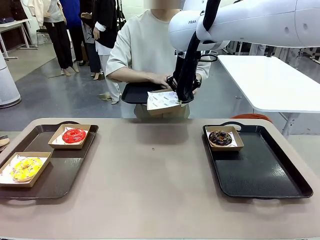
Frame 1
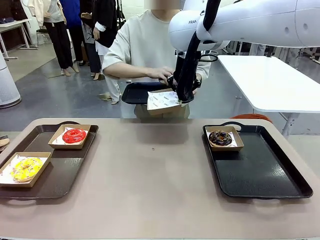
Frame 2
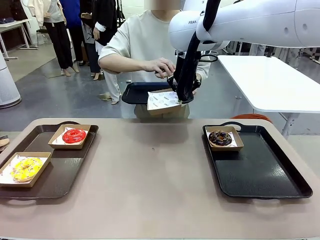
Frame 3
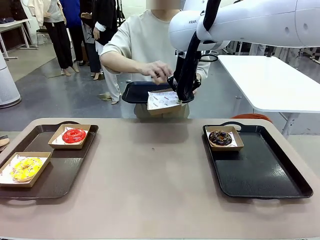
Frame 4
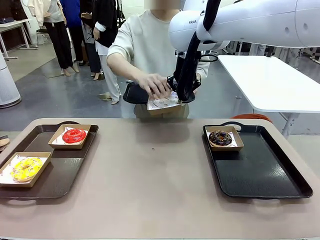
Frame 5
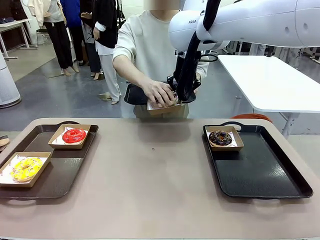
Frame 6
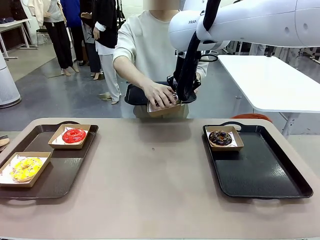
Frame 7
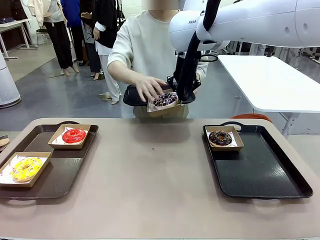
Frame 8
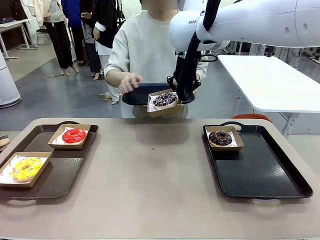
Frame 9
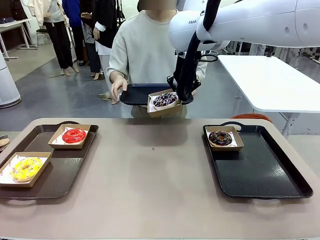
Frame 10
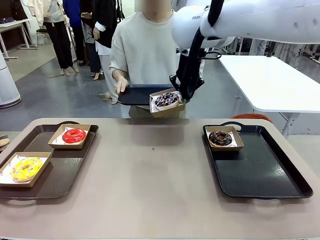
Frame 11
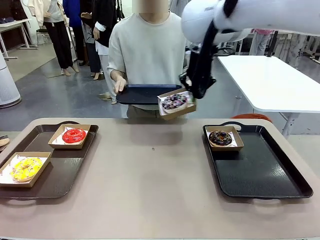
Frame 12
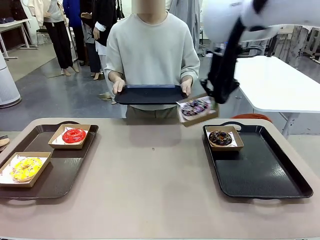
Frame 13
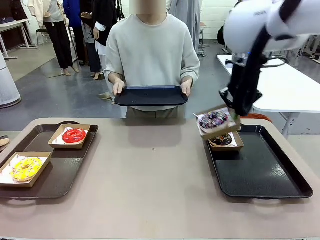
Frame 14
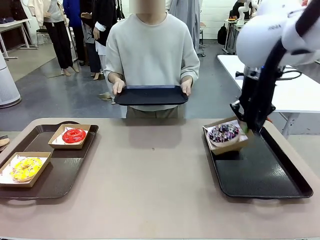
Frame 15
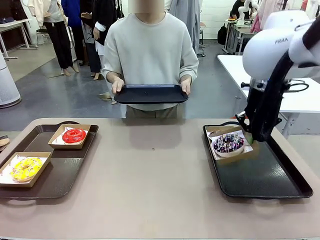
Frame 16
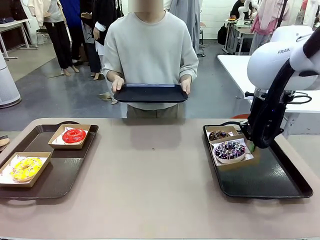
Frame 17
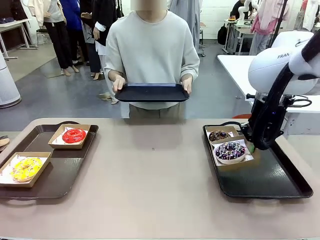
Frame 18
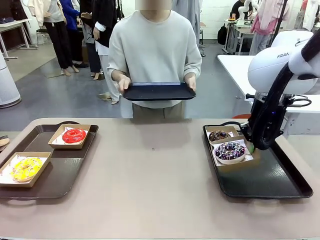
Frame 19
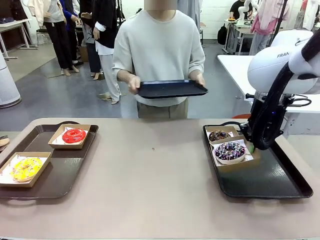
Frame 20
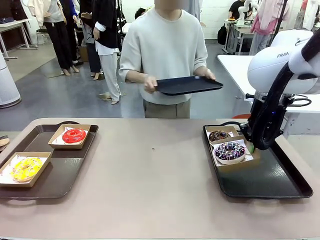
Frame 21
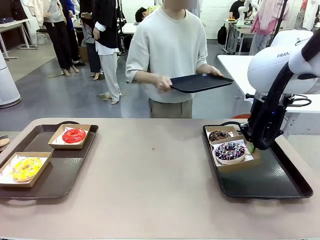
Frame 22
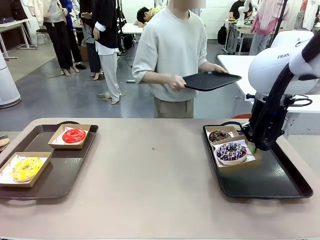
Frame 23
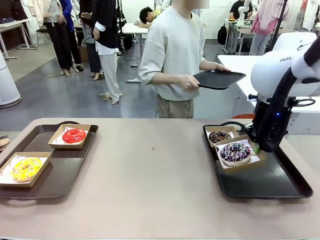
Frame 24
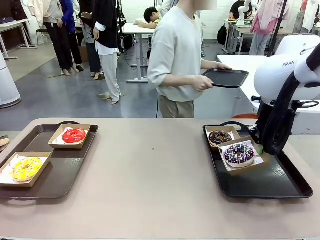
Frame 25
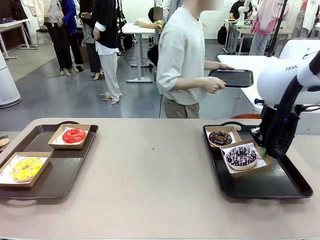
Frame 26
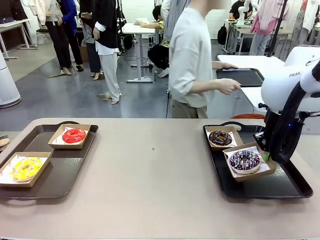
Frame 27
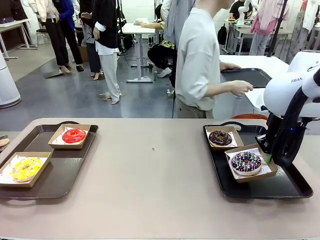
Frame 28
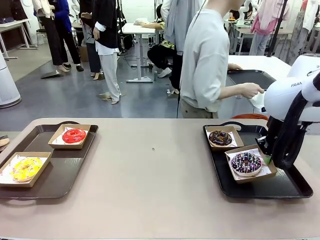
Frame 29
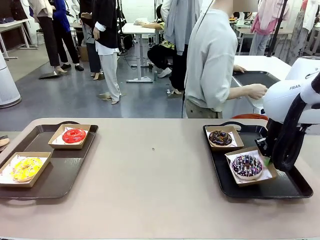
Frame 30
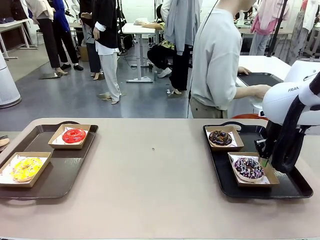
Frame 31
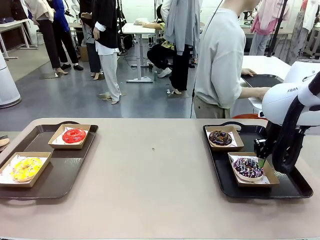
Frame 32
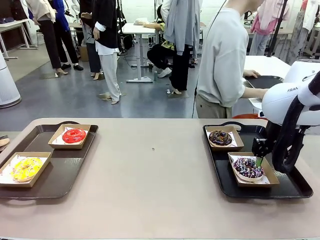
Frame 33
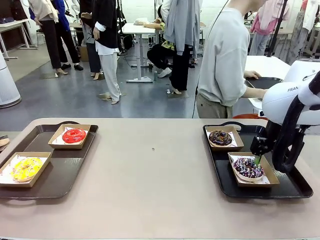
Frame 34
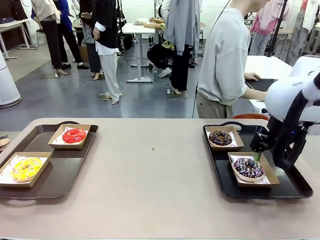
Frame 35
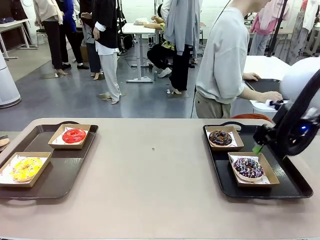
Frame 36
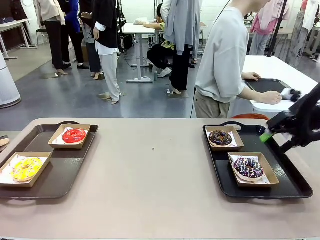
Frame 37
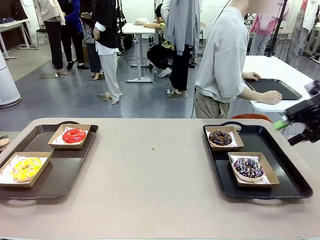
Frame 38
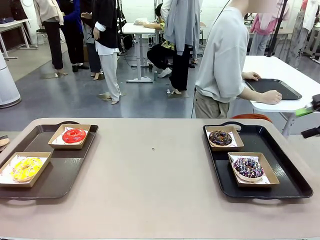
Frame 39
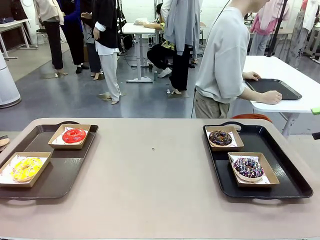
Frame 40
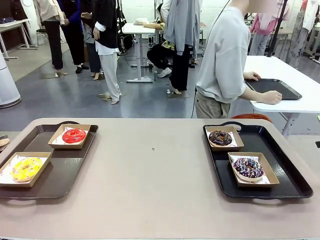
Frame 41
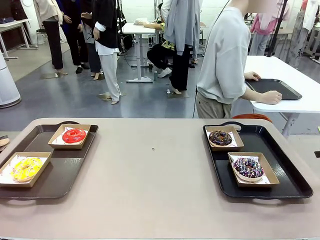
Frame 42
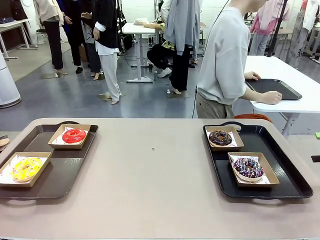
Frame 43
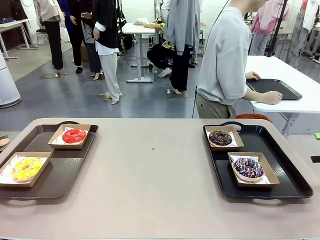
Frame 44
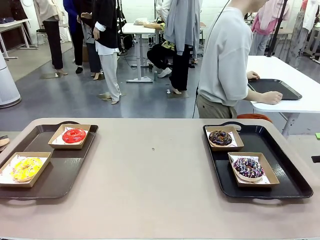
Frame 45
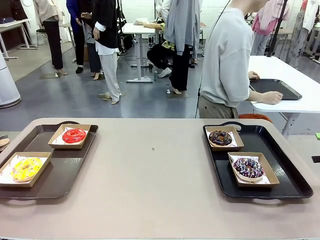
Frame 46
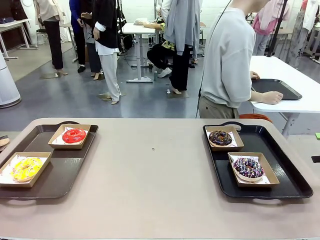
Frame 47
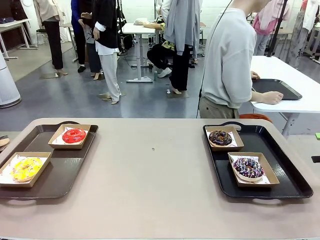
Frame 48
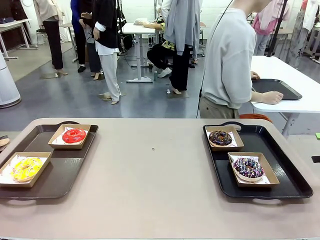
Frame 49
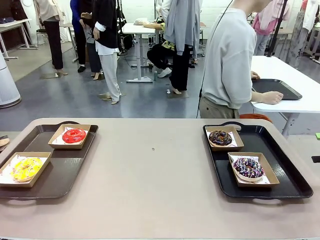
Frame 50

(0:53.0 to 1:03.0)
Task: Individually package the donuts and arrange them on the tray.
Robot: Place the picked Paper togo box on the Handle tray.
Person: Place the tray down in the middle of the human table.

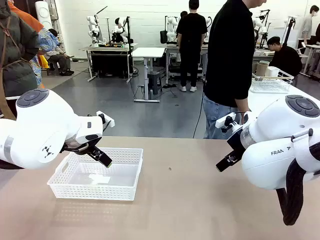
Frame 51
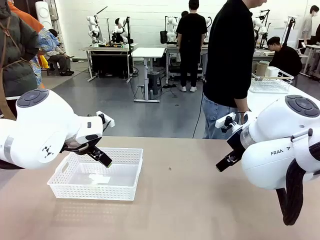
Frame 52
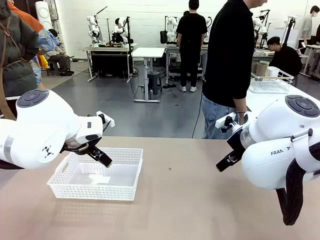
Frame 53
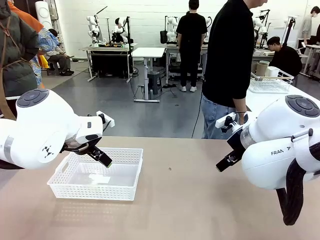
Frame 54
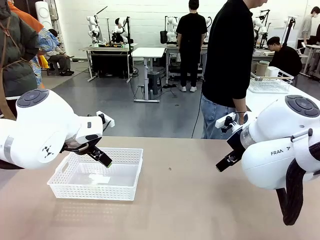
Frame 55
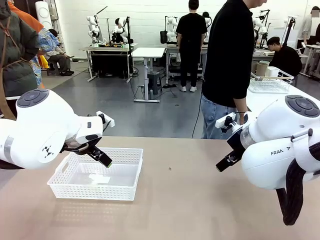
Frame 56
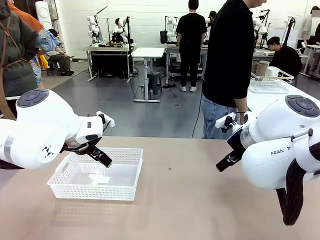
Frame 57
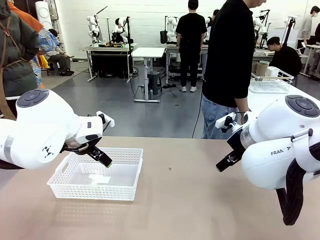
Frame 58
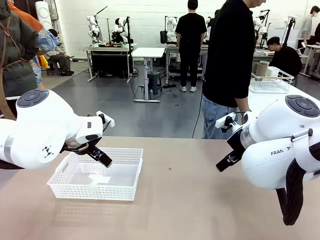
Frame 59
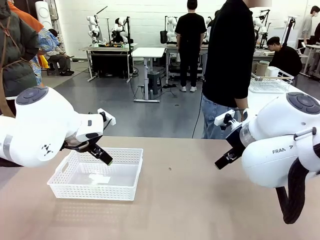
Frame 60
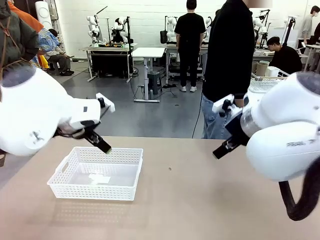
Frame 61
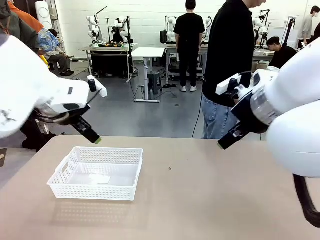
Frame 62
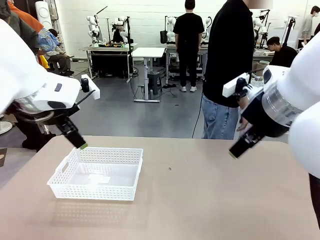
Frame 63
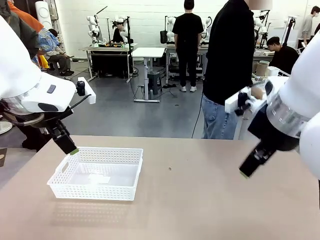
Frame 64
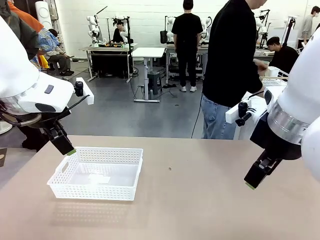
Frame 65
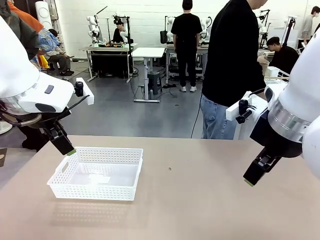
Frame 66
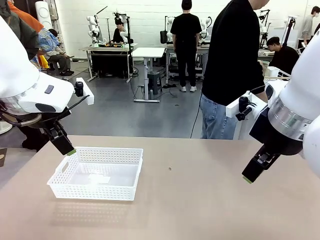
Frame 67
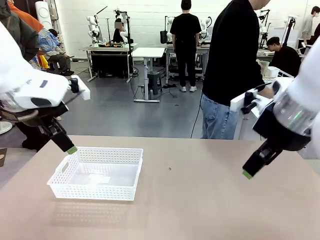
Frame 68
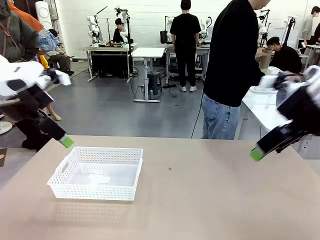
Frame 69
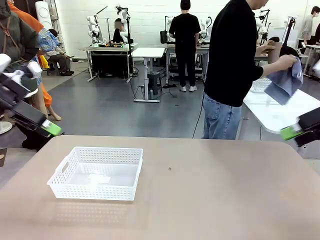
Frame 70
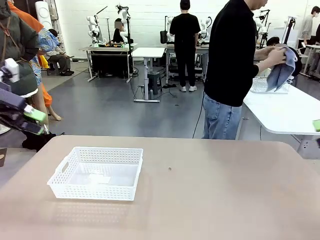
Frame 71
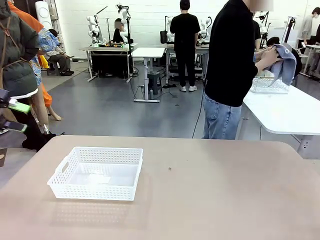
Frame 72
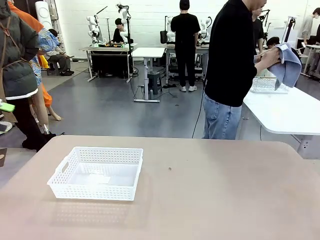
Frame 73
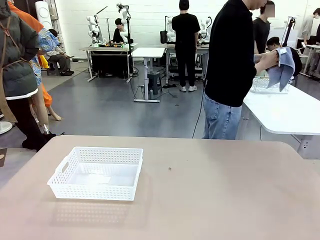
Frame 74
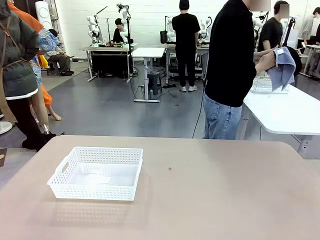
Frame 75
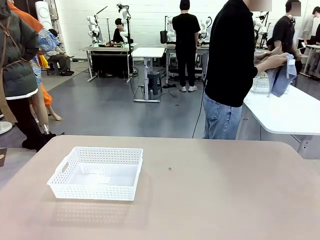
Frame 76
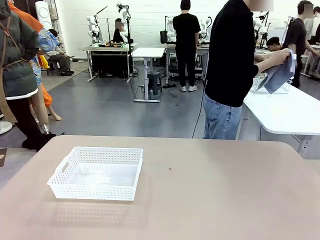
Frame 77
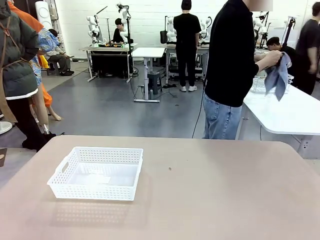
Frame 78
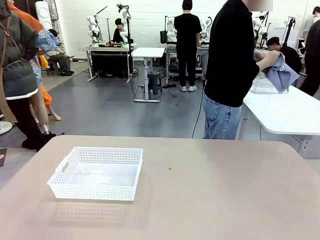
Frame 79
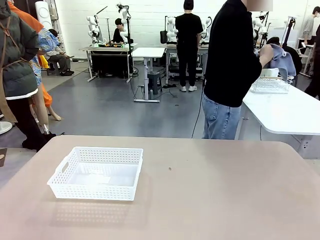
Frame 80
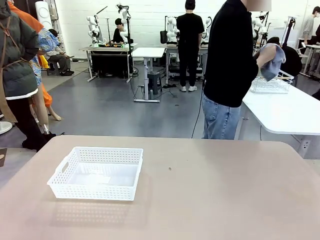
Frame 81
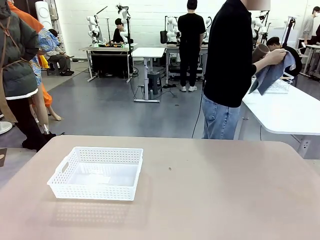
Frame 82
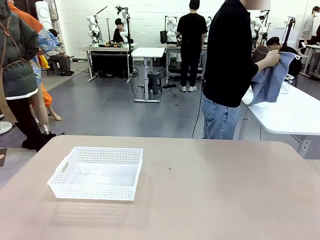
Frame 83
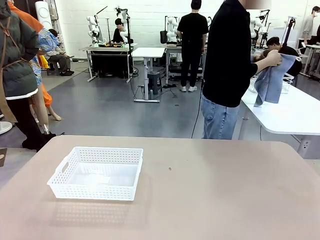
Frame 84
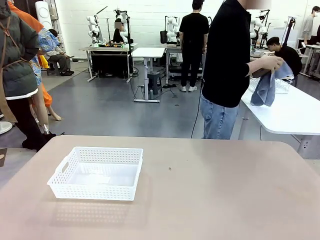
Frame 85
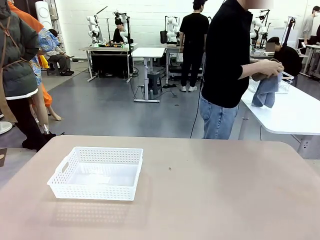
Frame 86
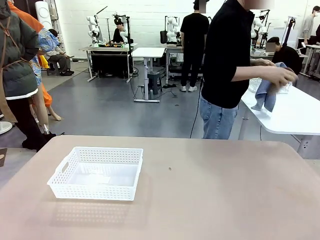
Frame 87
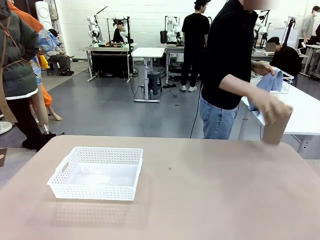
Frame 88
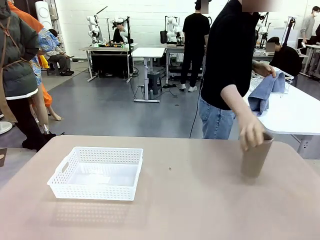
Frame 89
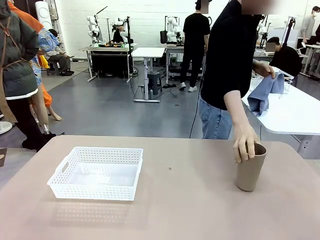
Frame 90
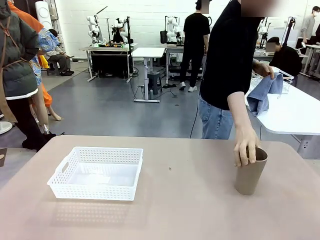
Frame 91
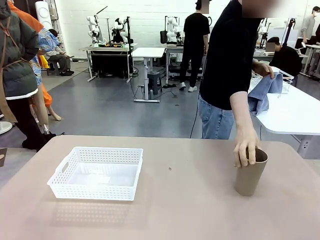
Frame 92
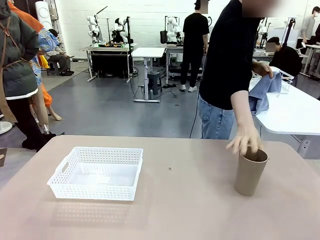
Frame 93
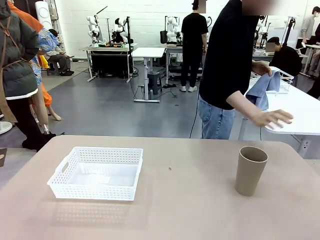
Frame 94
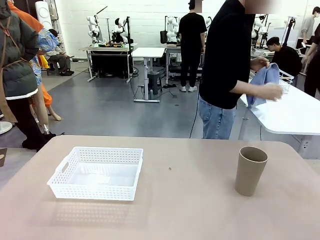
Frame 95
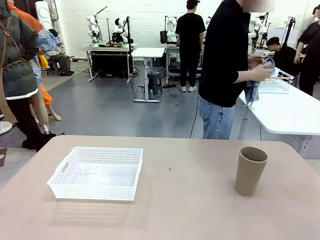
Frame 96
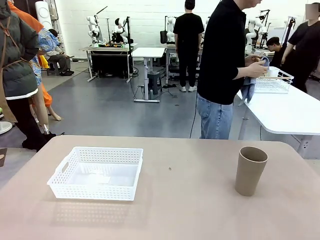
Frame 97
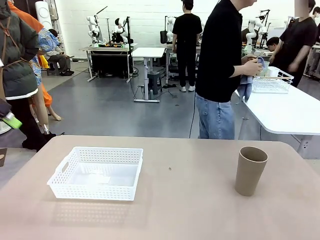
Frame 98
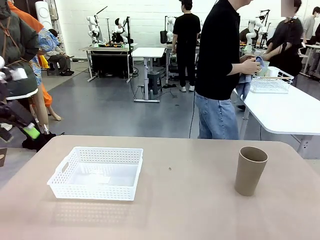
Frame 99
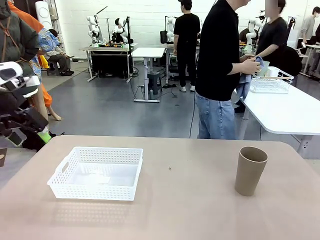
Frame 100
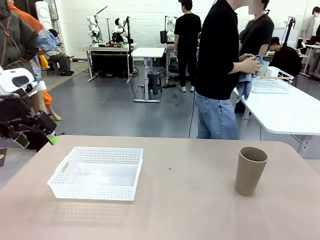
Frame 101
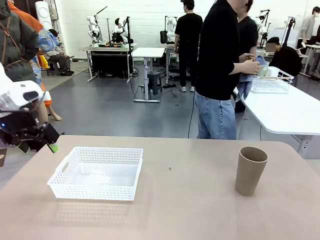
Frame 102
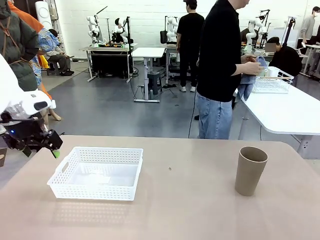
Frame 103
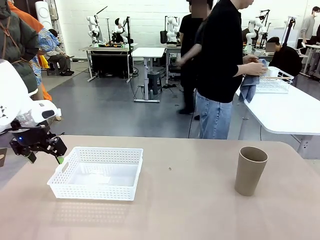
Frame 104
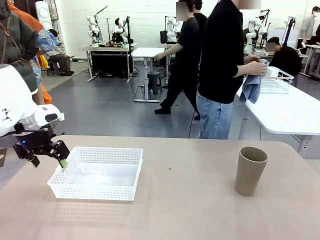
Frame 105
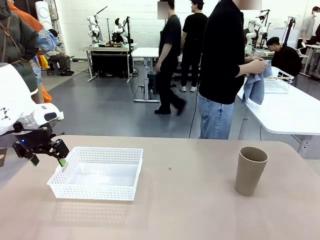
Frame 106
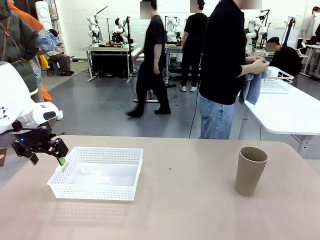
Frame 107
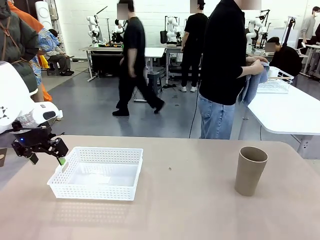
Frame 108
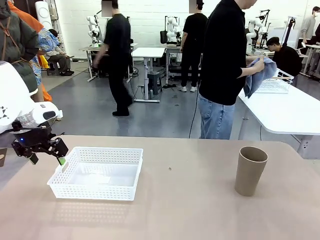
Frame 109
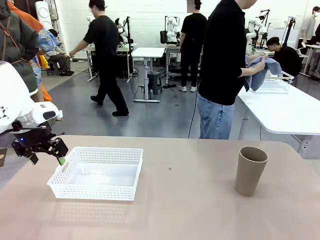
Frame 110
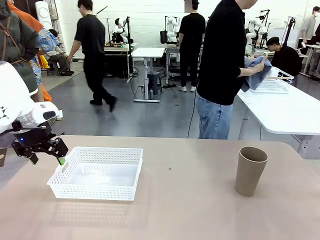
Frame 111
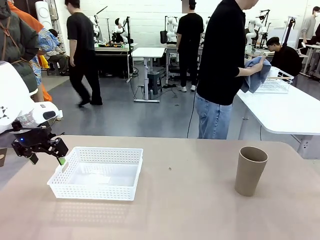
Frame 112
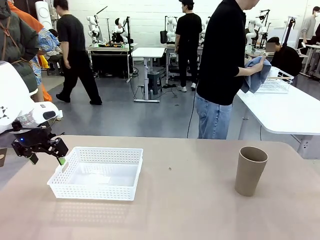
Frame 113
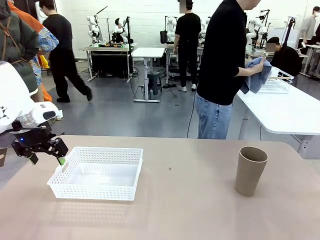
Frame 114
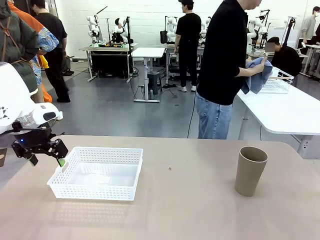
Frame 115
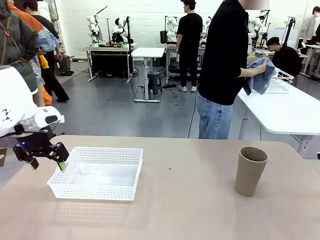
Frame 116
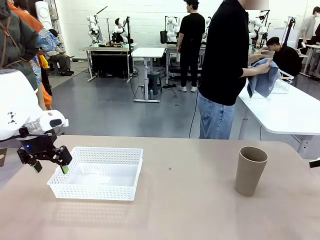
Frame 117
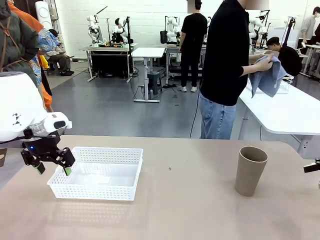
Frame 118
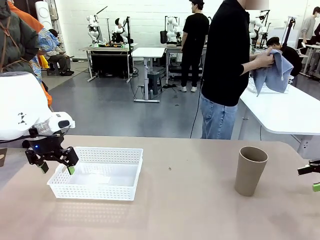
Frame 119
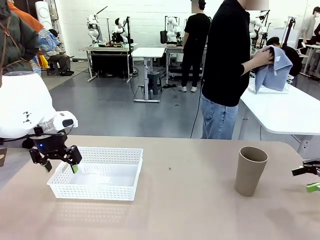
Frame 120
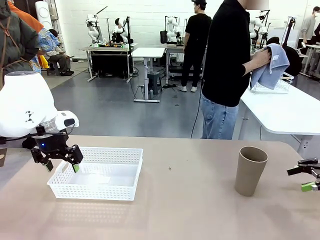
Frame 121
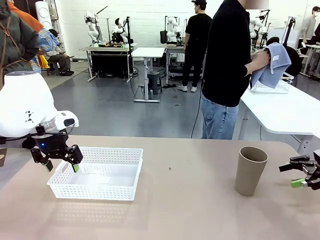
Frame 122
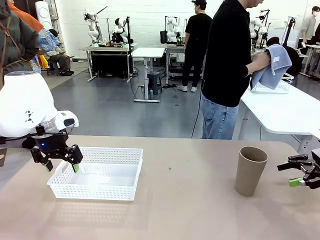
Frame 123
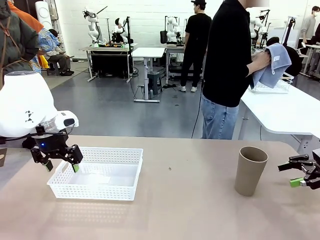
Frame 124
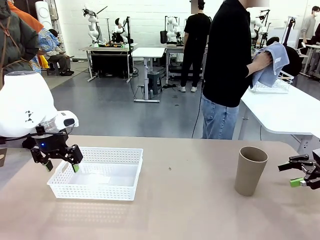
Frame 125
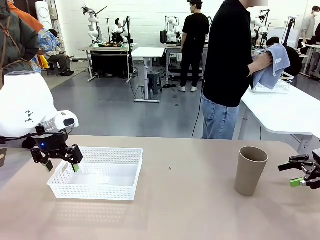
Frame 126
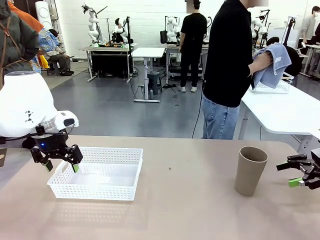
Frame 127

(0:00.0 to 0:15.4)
Task: Clean and organize the cups into the basket.
Robot: Pick up the Organizing basket and move it to the center of the table, then pick up the Reusable plastic cup from the right side of the table and place it inside the Organizing basket.
Person: Picks up a cup and a towel, cleans the cup with the towel, and places it on the left side of the robot table.
